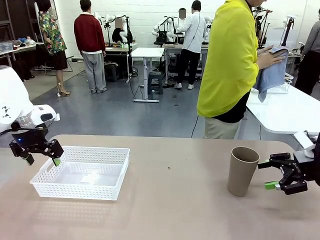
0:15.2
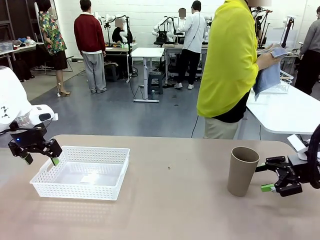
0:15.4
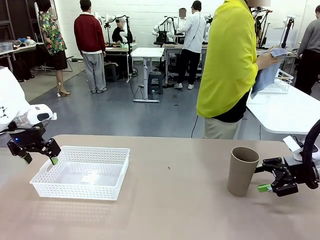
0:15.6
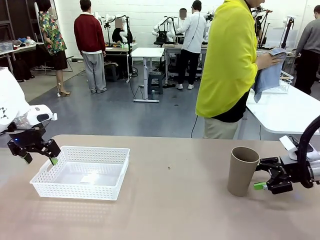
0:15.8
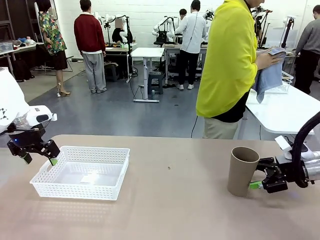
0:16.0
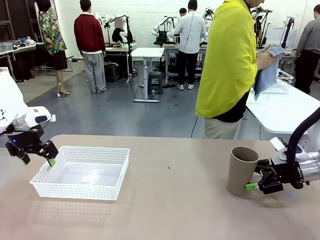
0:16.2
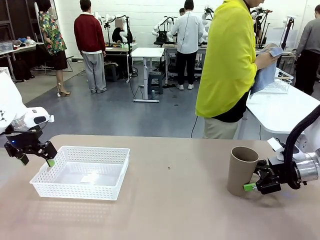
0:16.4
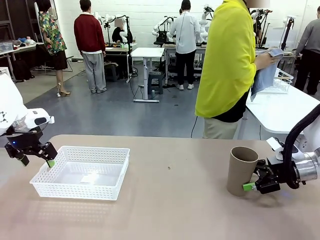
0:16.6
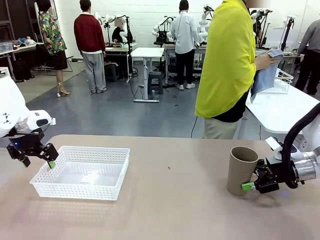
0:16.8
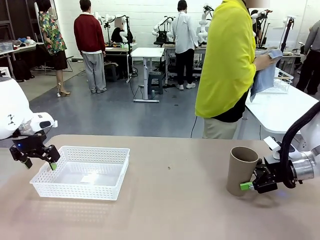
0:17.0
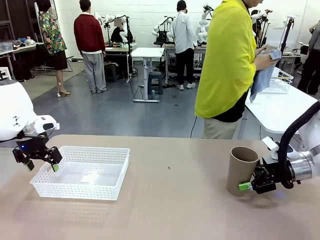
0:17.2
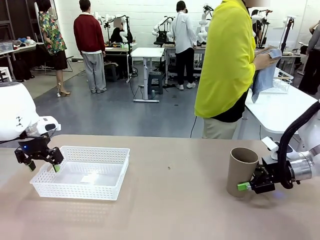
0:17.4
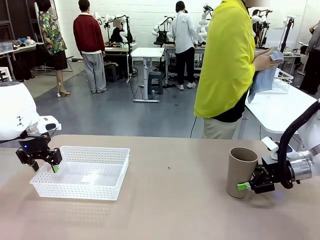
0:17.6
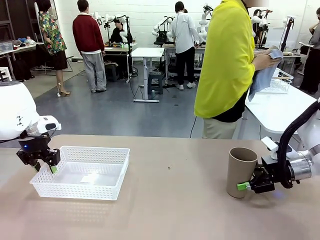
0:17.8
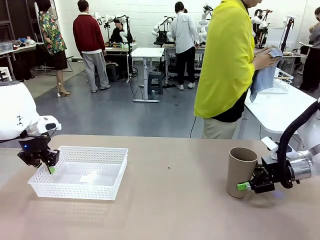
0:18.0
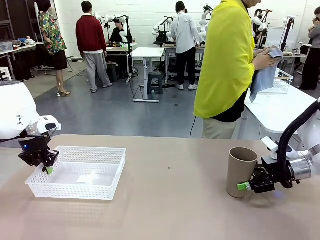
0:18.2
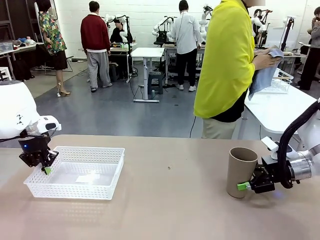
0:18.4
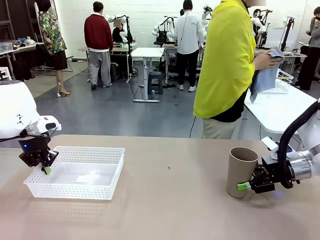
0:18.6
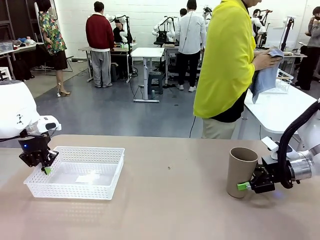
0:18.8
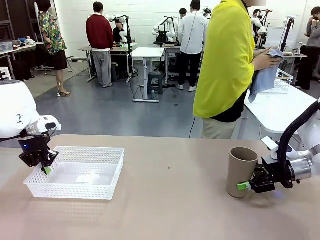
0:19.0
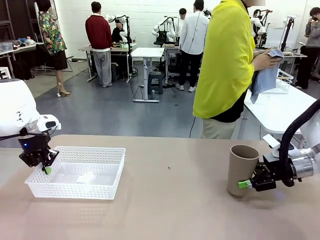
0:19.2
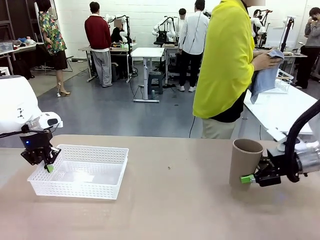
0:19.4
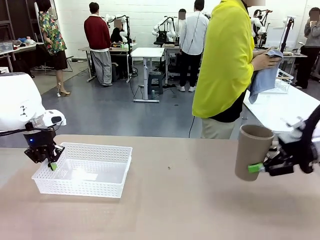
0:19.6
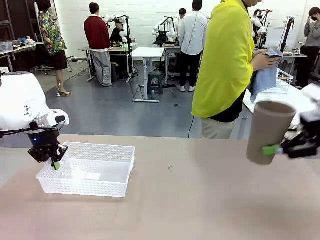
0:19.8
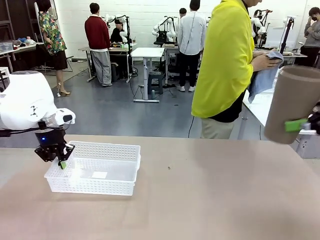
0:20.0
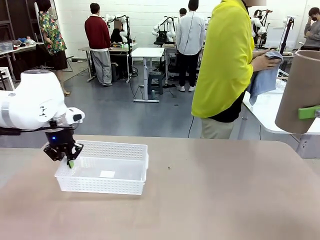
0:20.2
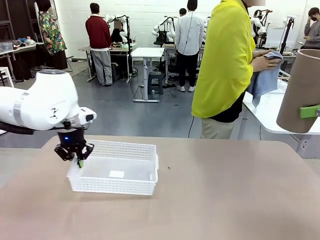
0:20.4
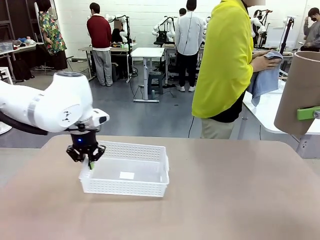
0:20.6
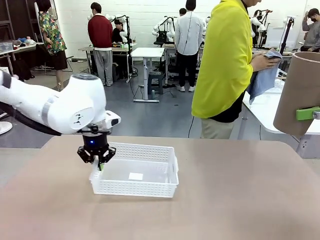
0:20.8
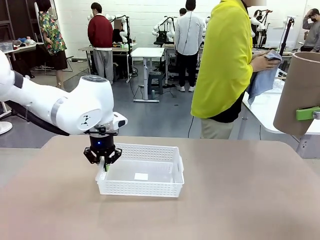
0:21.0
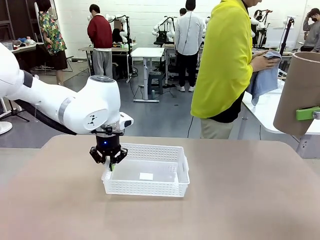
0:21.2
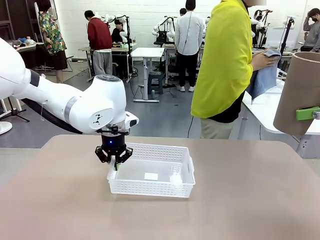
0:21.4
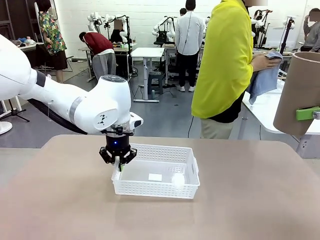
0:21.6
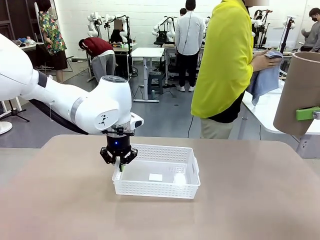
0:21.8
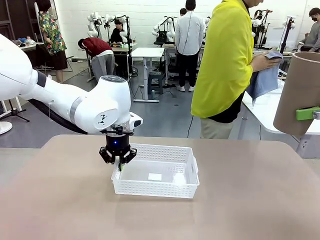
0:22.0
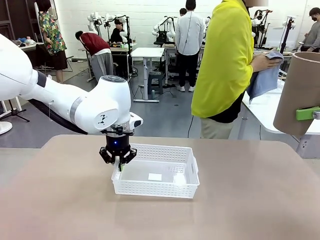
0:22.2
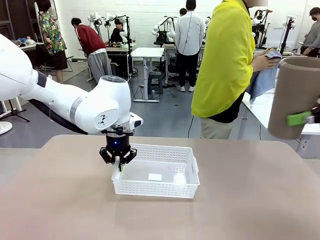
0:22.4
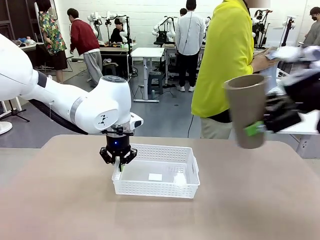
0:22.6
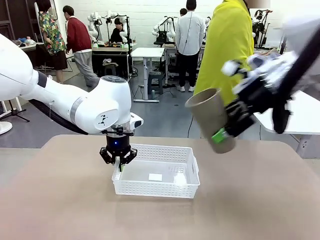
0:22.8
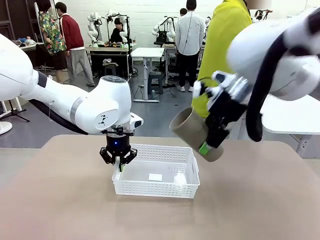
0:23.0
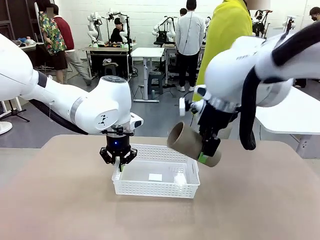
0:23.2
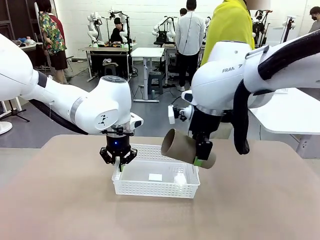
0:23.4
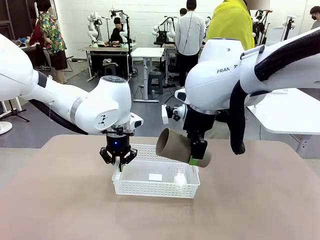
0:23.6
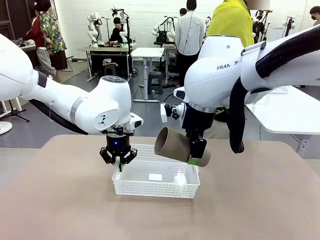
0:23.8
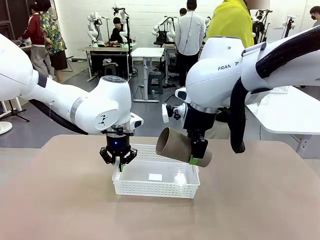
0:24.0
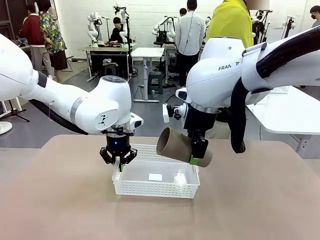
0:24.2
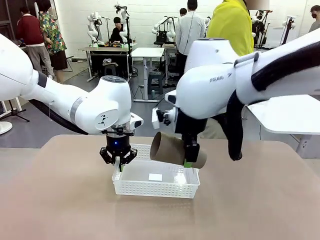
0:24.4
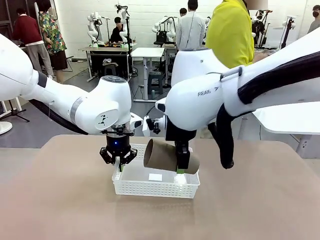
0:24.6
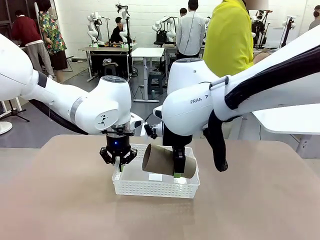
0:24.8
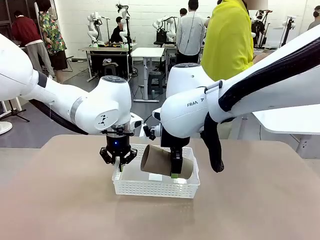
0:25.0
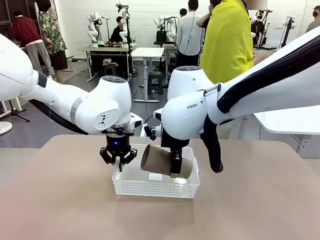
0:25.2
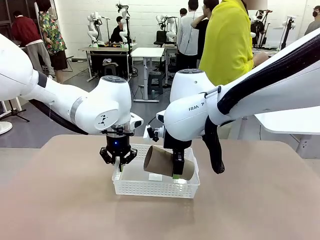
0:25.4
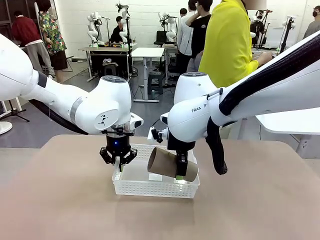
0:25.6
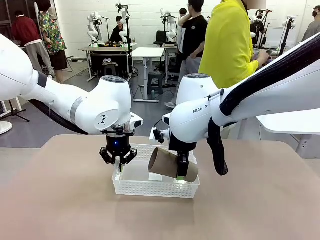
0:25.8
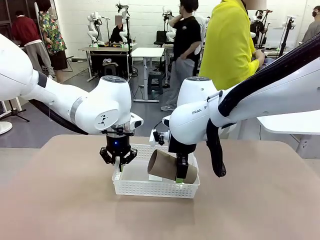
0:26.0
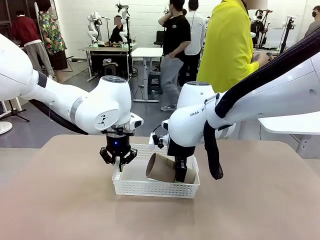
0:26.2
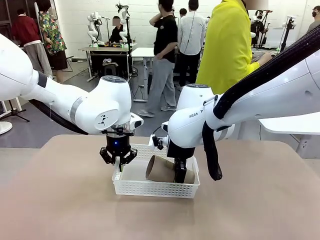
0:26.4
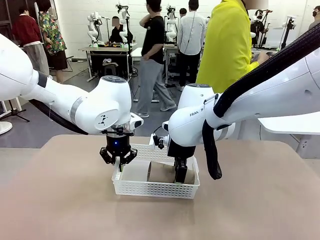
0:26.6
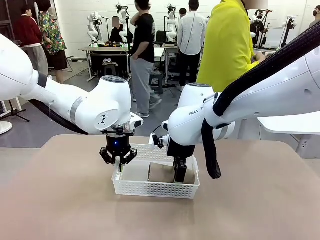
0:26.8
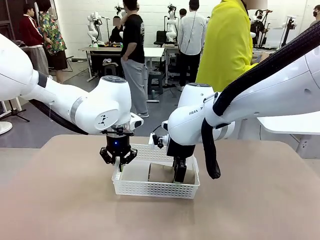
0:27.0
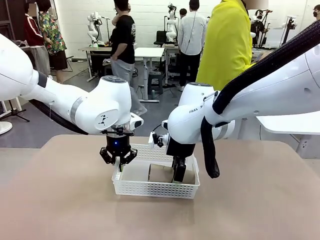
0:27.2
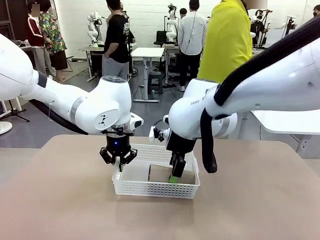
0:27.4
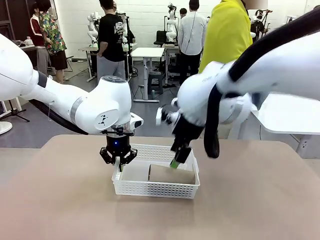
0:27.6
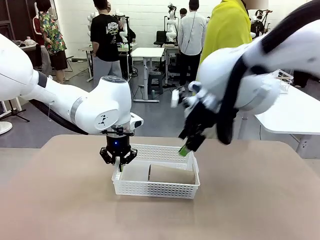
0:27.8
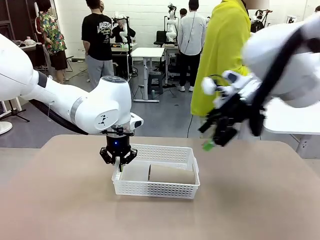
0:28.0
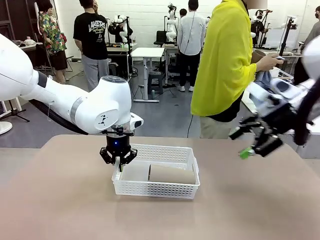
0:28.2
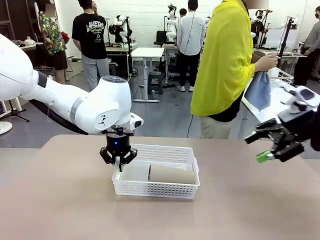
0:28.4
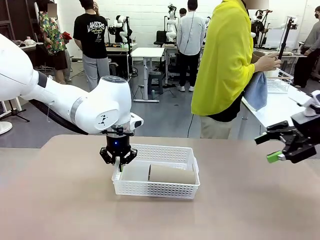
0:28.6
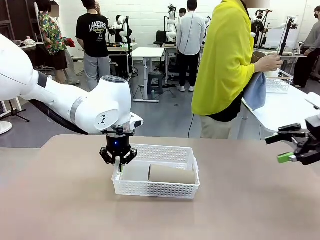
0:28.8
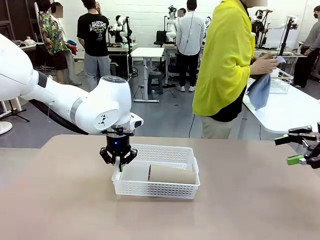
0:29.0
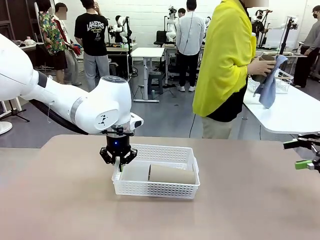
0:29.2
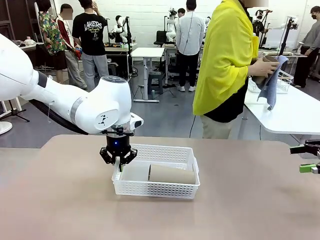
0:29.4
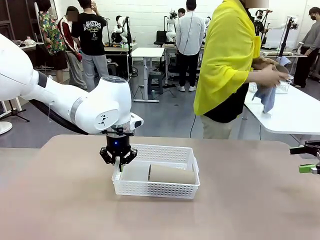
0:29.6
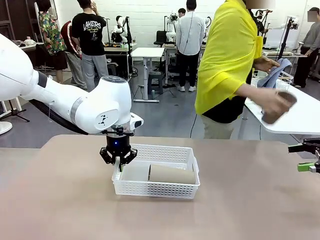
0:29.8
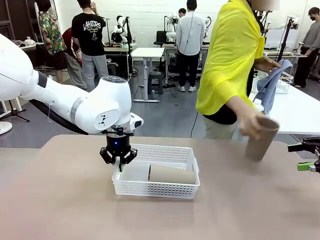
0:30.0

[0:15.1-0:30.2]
Task: Clean and organize the cups into the basket.
Robot: Pick up the Organizing basket and move it to the center of the table, then pick up the Reusable plastic cup from the right side of the table and place it inside the Organizing basket.
